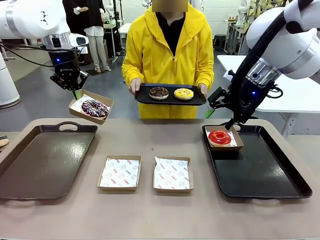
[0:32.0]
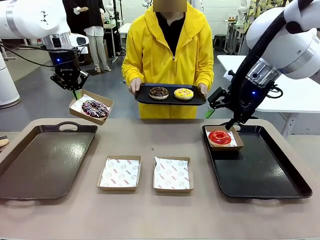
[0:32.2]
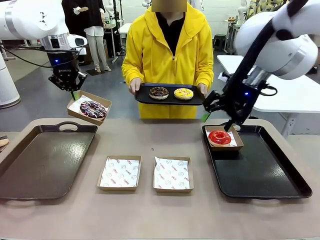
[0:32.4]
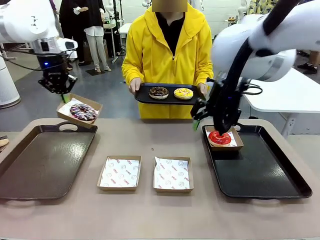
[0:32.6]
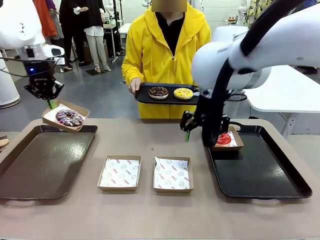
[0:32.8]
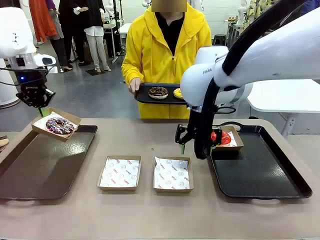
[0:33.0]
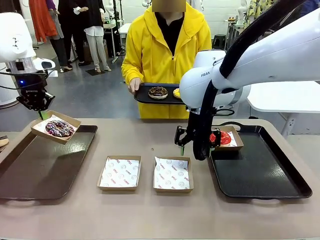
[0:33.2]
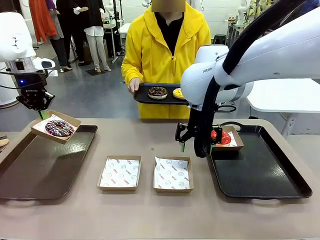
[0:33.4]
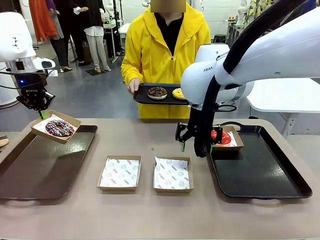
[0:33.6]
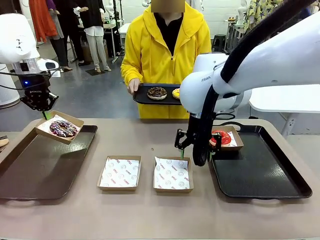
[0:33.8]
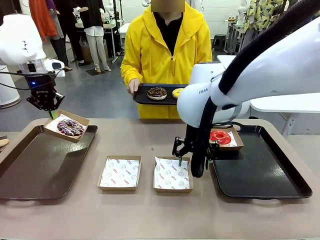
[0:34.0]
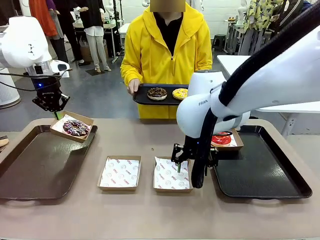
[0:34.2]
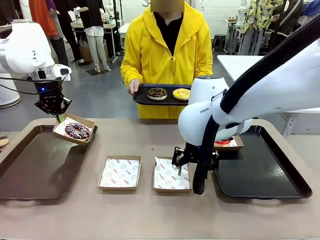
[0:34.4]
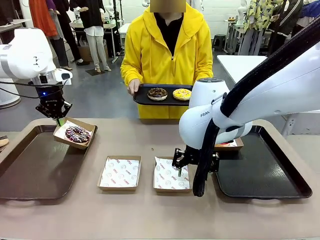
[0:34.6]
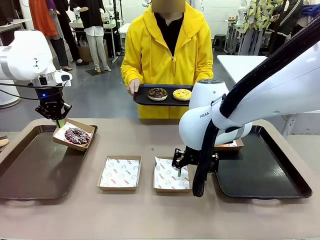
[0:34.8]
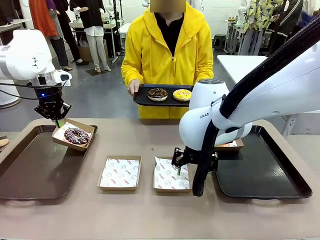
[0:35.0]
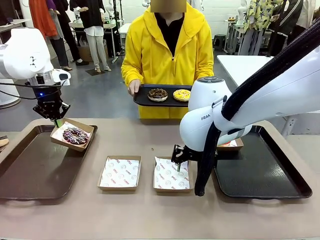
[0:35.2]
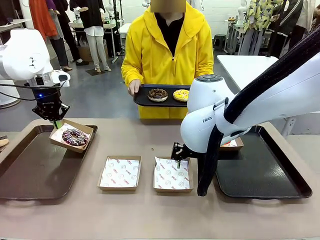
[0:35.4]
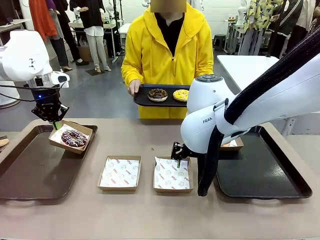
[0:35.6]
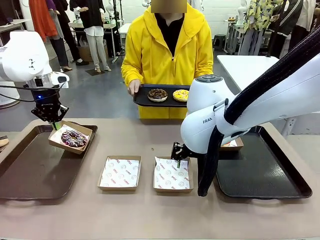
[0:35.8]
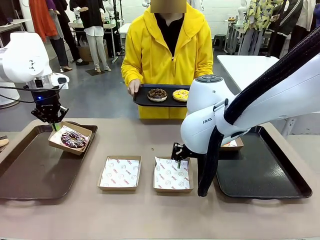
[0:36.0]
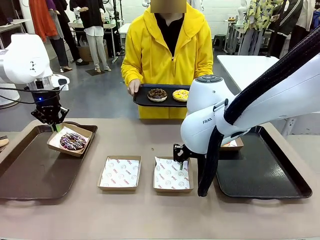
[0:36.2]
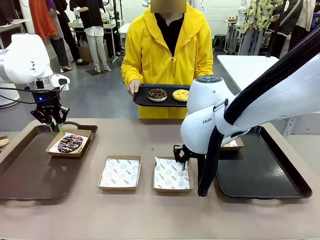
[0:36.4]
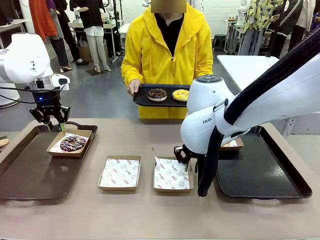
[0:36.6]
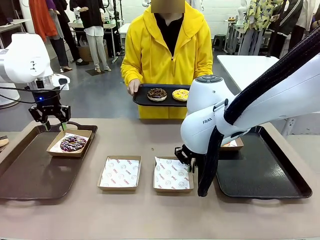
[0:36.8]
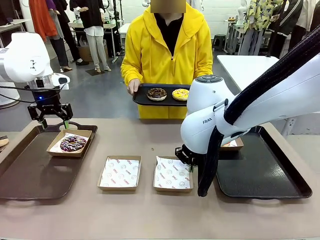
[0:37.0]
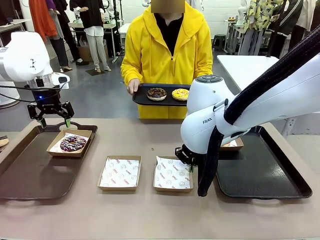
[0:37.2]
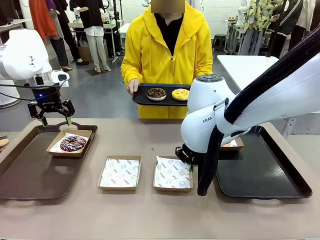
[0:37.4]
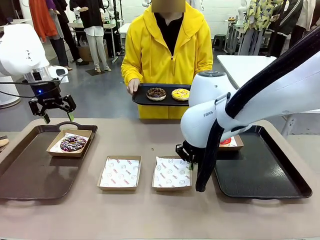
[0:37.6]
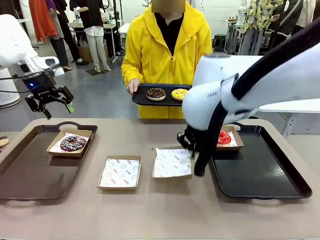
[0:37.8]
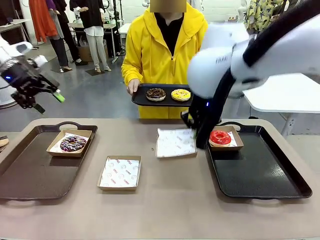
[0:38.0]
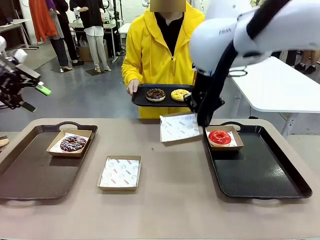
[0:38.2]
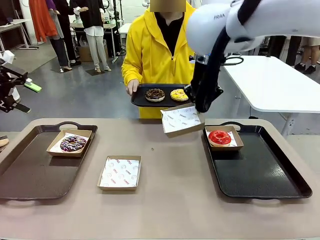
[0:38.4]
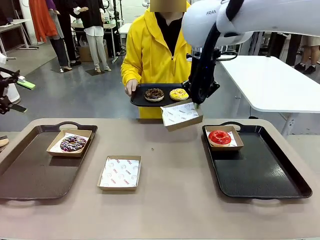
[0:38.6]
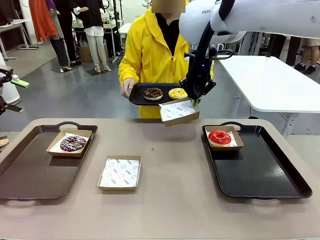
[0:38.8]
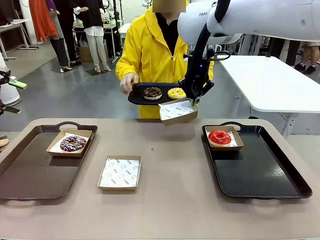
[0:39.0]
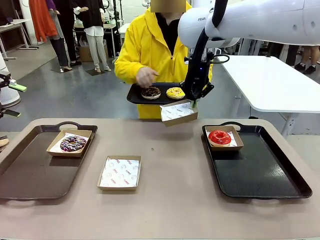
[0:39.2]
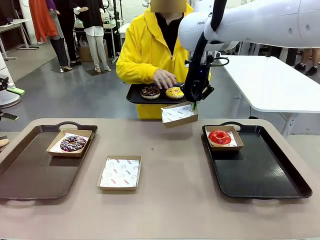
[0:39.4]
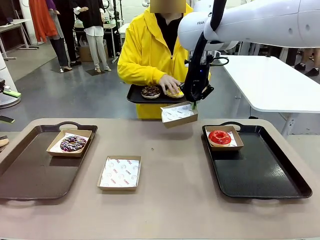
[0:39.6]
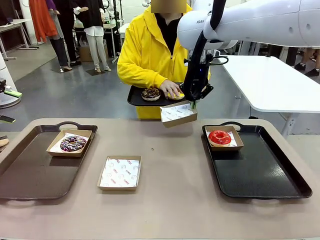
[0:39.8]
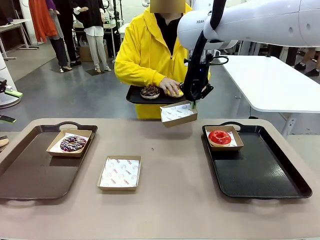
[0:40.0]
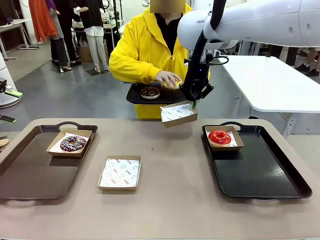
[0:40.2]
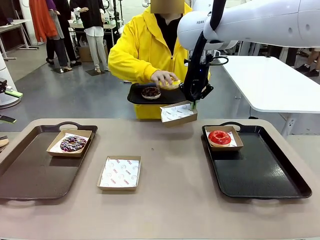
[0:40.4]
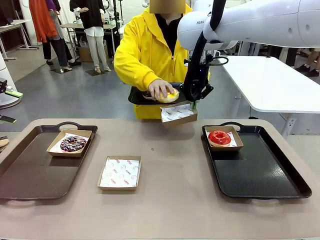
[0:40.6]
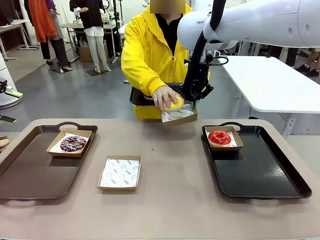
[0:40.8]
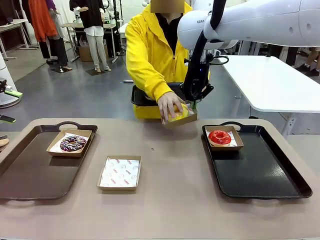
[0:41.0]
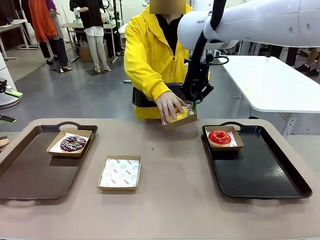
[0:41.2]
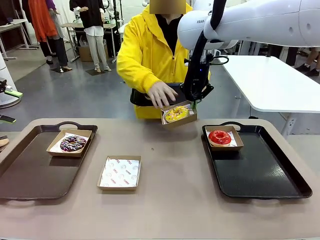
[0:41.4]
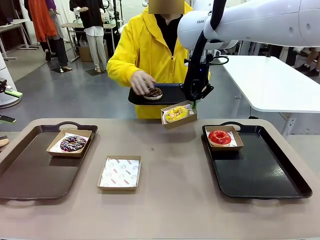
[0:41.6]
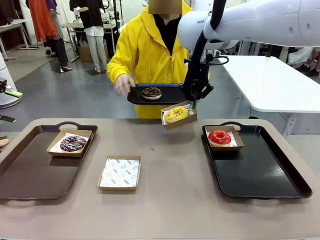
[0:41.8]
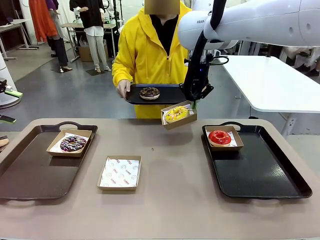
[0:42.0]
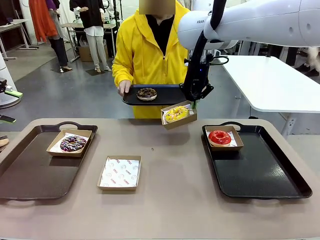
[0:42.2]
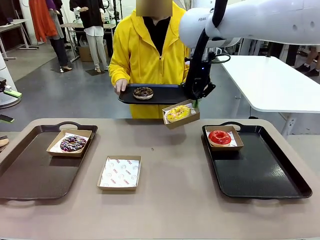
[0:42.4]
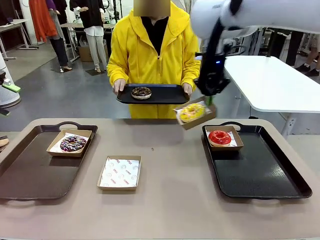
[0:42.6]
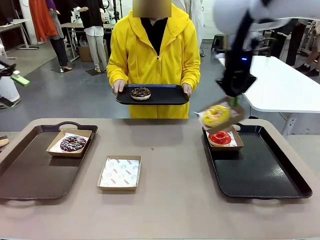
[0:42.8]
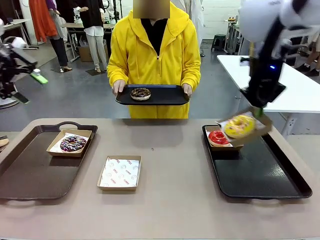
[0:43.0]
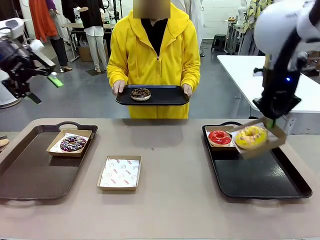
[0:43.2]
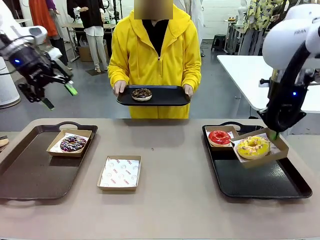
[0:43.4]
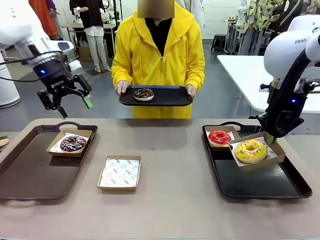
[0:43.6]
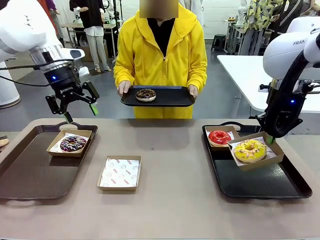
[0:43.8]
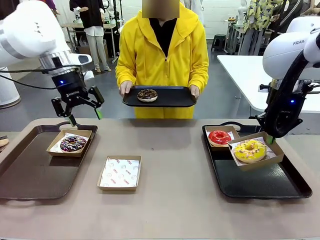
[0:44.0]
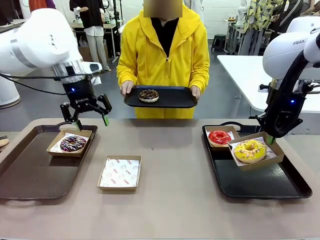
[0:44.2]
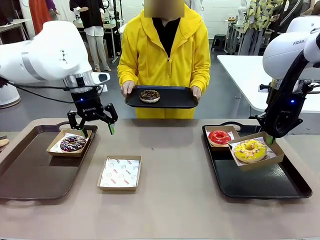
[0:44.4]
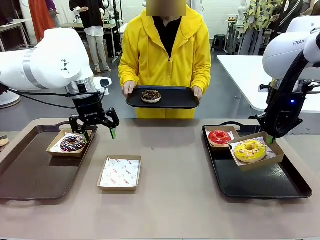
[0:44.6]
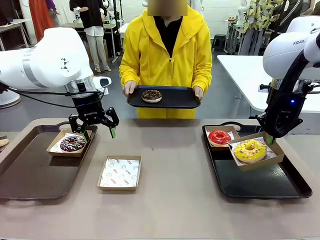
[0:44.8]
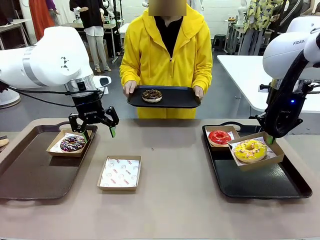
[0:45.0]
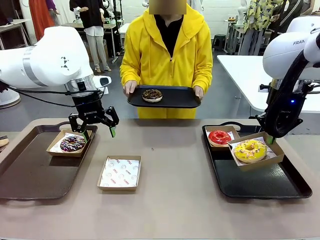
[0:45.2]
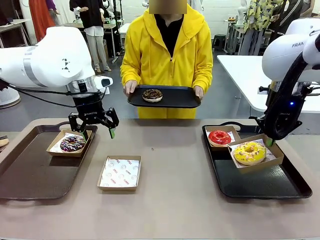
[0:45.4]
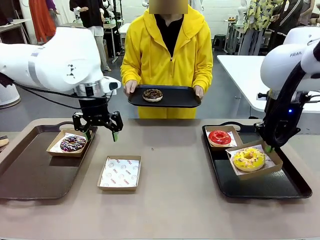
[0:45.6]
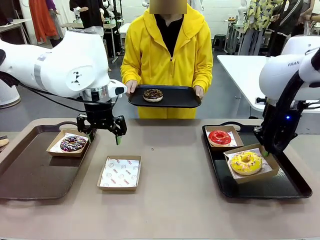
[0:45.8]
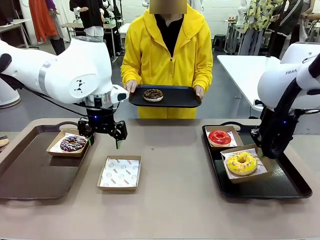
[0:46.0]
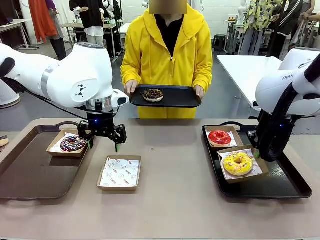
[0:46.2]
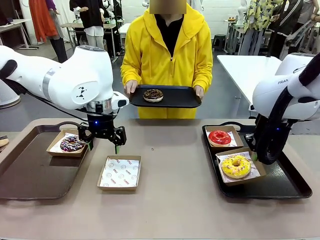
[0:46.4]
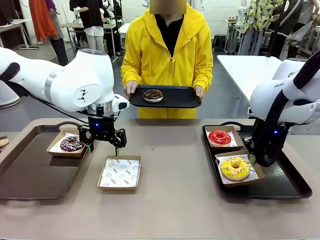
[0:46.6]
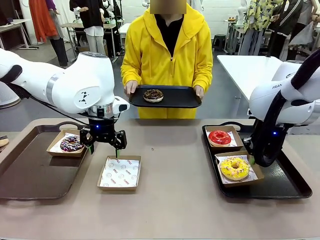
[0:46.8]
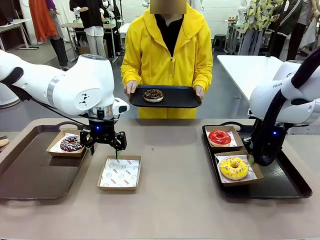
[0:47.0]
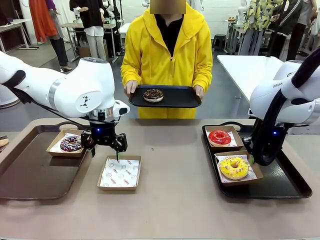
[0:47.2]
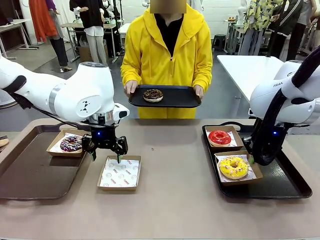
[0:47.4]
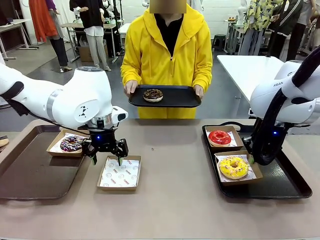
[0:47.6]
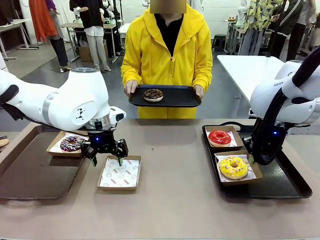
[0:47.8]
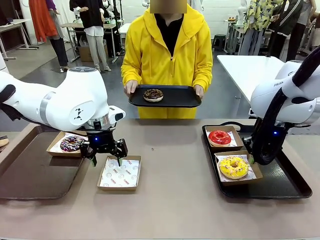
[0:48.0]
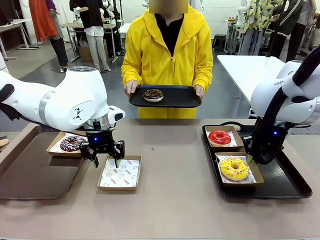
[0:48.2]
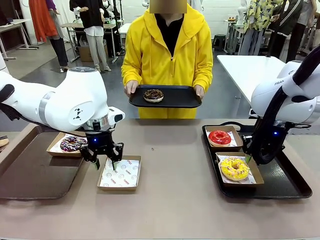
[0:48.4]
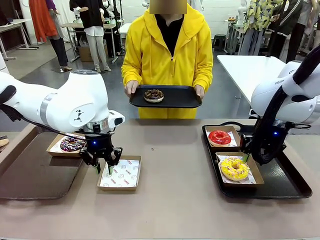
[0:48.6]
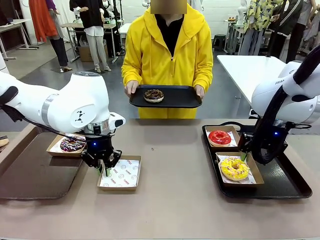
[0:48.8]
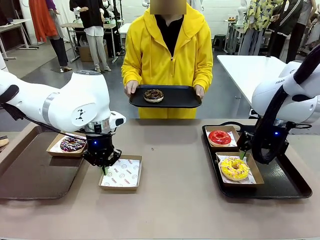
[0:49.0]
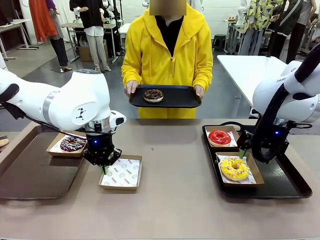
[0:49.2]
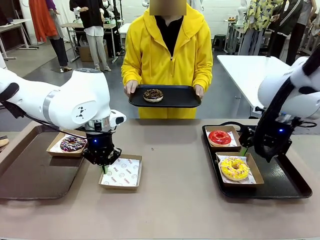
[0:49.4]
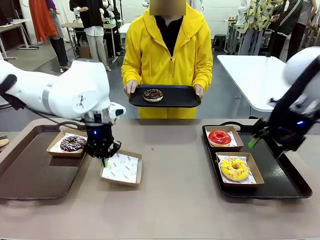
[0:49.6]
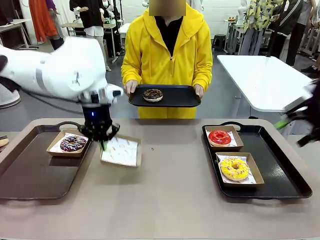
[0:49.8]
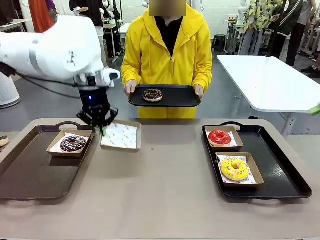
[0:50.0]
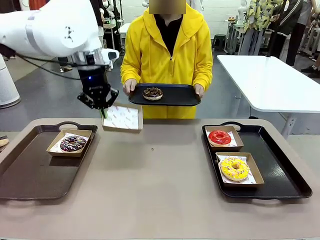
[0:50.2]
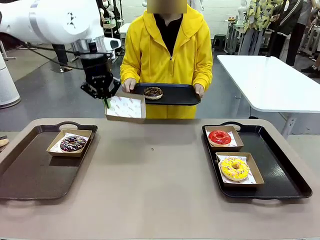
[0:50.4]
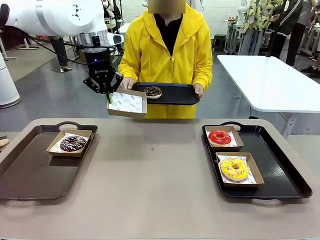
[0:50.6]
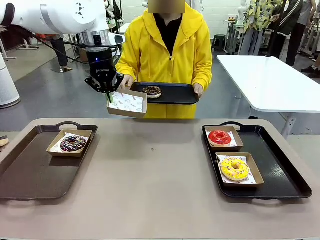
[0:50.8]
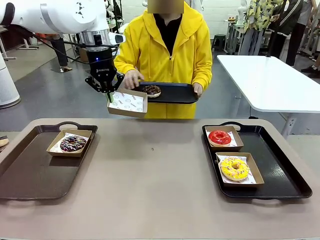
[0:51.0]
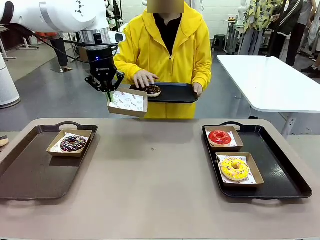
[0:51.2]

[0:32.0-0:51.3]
Task: Individually package the donuts and arrange them on the tray.
Robot: Place the picked Paper togo box on the Handle tray while simultaneously picking up another Paper togo box from the table with the other hand.
